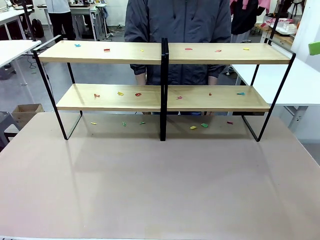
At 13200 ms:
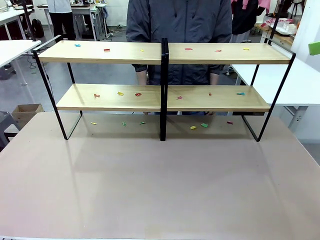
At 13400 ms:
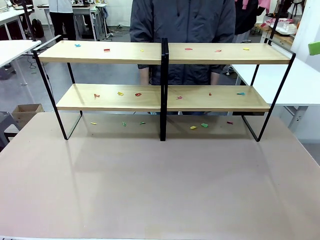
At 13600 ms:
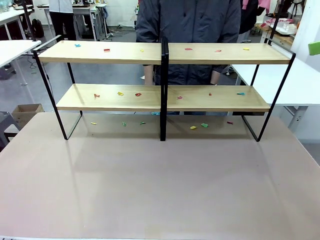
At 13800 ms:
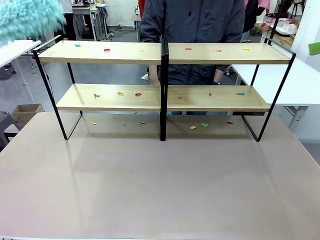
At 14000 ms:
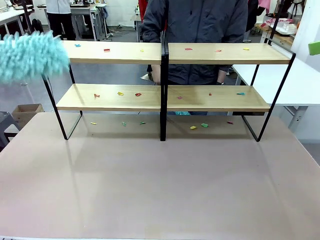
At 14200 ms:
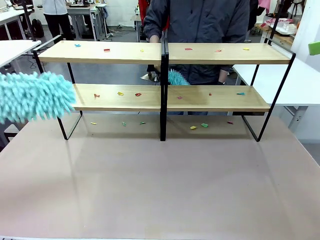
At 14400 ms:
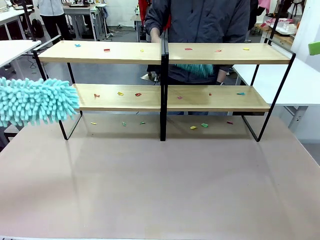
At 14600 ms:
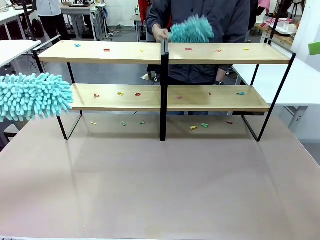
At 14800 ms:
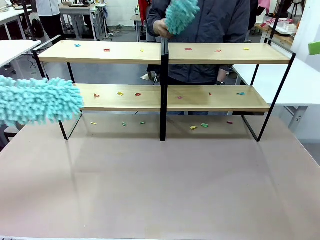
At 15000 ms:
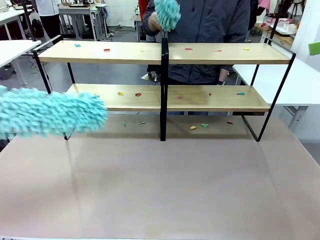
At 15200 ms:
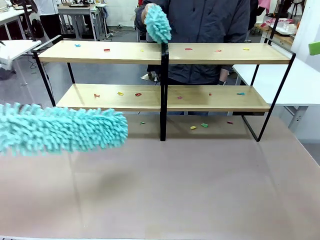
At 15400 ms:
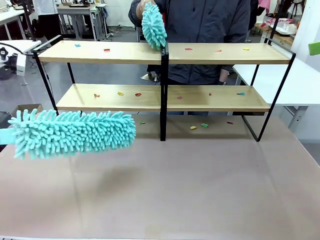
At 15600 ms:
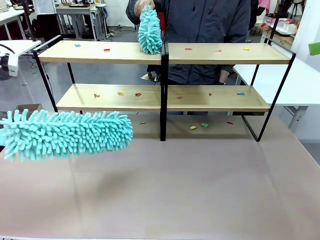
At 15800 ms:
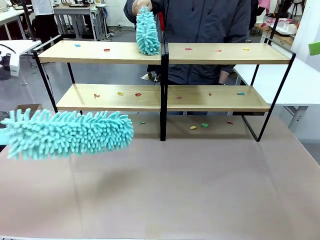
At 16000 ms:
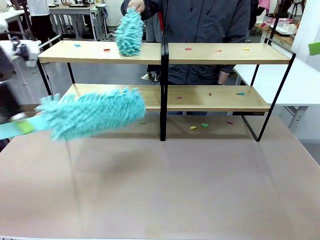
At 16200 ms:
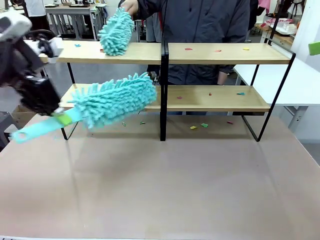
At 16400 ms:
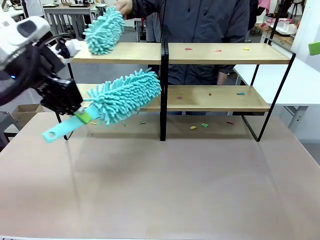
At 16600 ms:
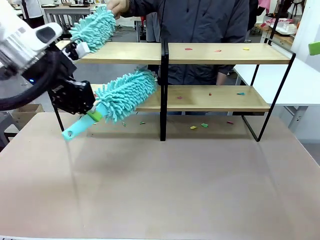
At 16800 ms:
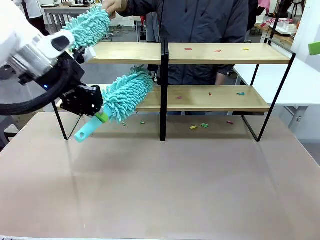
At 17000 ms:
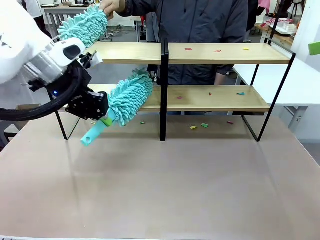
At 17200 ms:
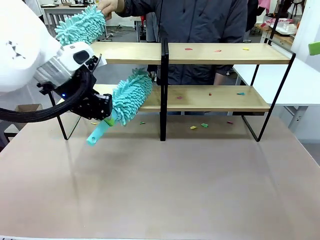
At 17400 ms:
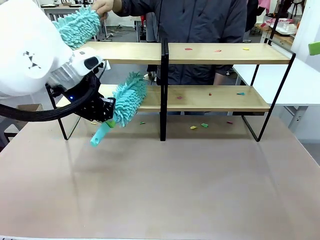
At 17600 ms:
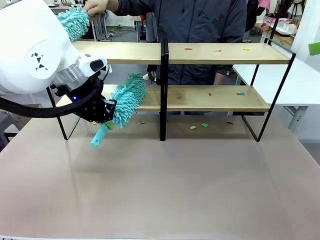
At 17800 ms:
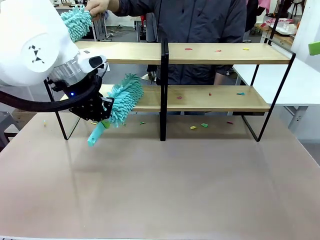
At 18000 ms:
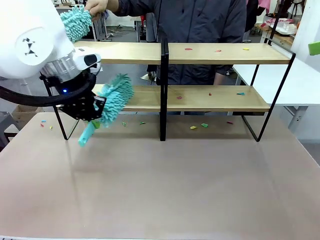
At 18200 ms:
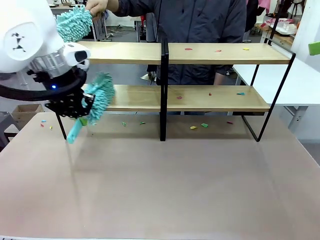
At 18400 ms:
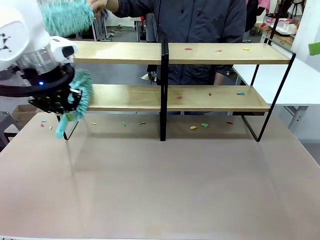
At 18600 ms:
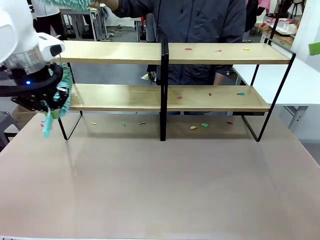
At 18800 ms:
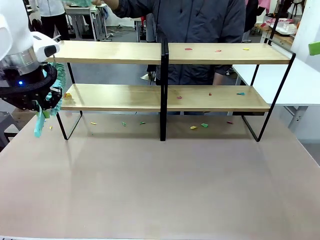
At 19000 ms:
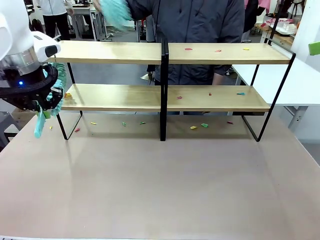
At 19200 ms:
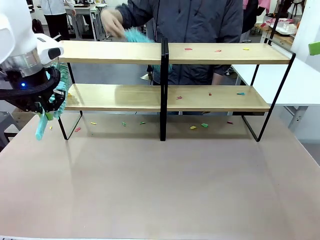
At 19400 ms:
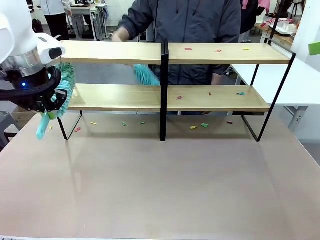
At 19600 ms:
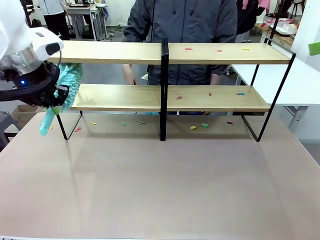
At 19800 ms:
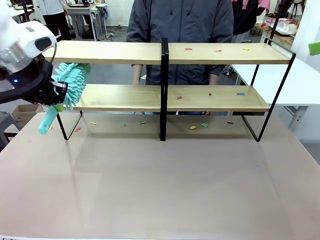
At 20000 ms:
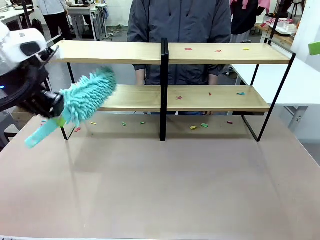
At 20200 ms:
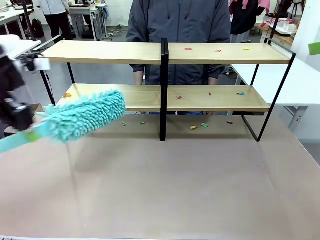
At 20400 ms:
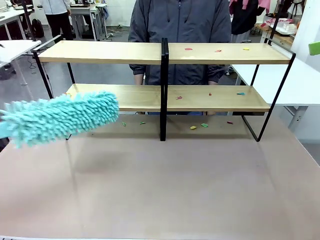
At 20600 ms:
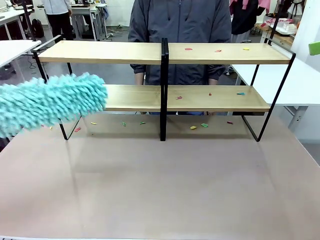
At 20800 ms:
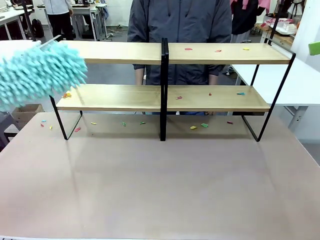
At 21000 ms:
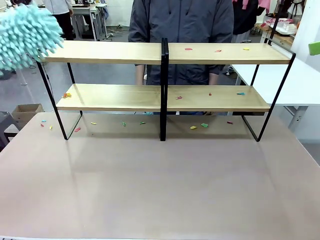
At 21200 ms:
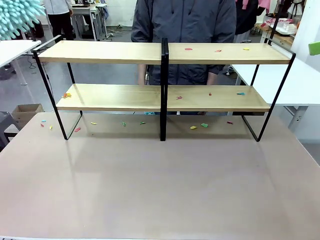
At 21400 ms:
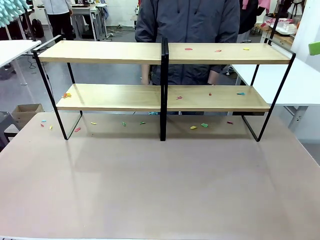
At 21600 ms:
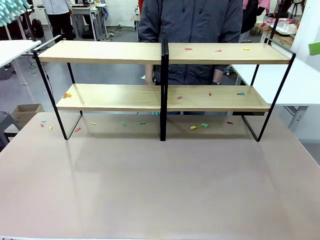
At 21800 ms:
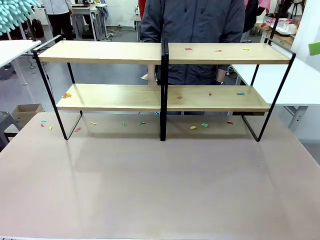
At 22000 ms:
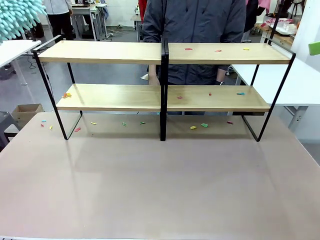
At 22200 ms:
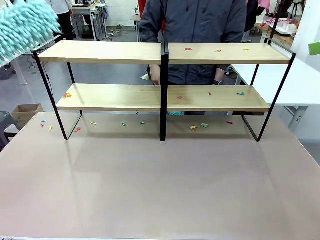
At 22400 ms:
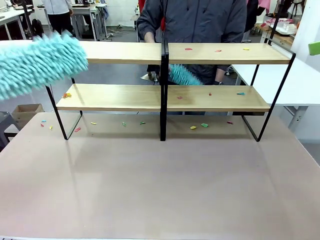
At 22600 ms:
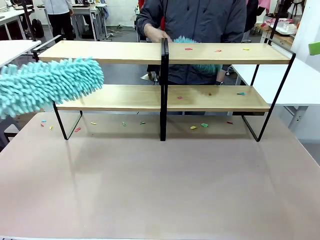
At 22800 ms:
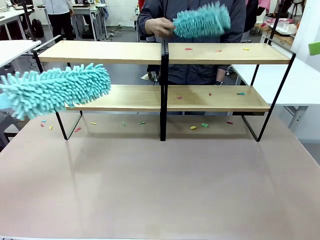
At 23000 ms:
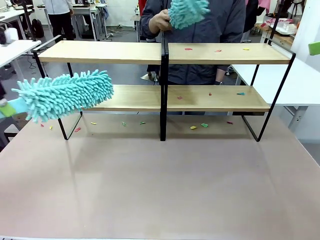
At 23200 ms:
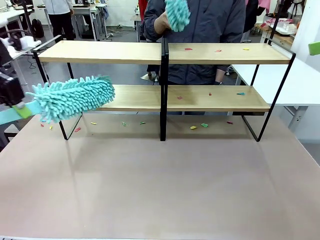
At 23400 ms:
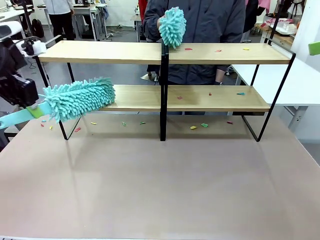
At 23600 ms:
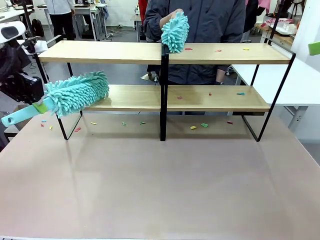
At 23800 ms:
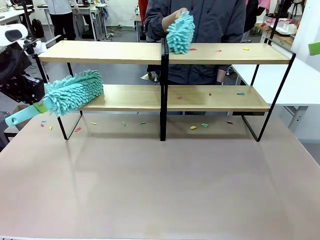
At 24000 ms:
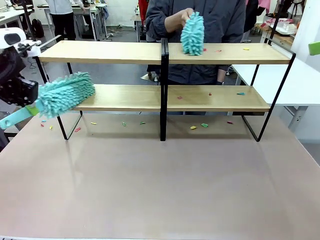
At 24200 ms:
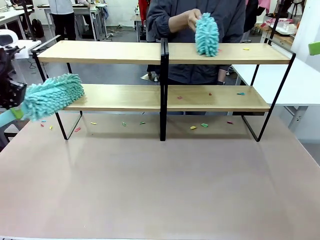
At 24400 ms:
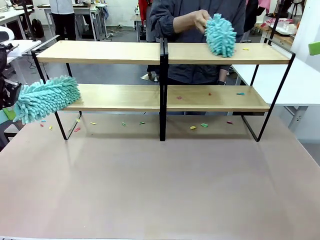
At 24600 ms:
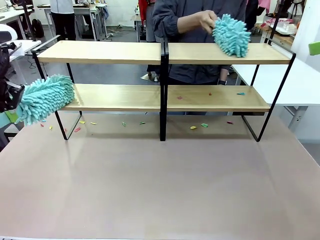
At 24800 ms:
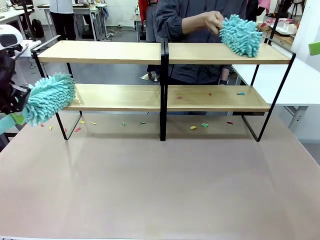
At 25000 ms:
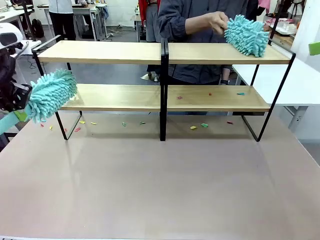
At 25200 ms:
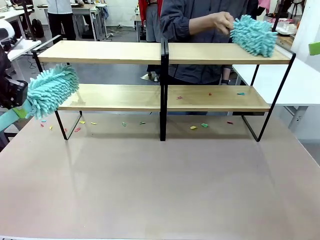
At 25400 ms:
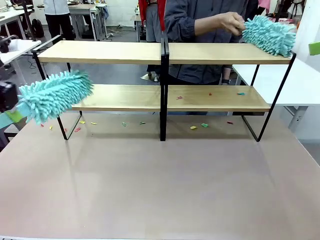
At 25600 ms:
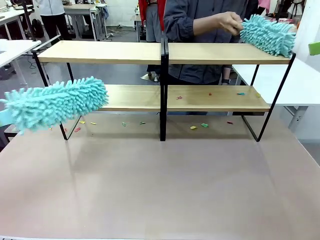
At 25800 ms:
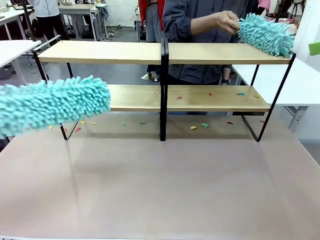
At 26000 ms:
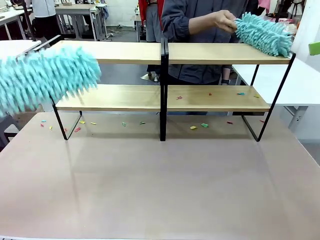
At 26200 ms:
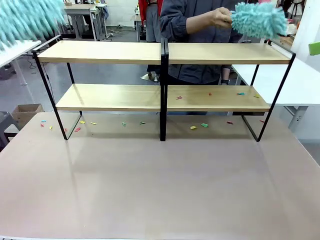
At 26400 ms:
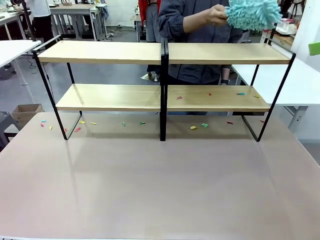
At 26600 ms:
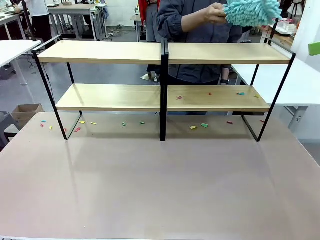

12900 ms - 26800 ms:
Task: Clean the shelves.
Robot: Clean a randomly selected level of the Shelf with the Duster.

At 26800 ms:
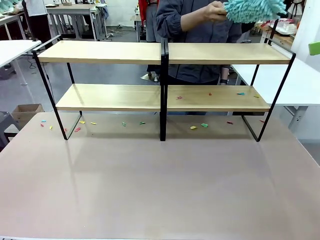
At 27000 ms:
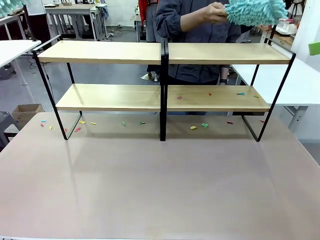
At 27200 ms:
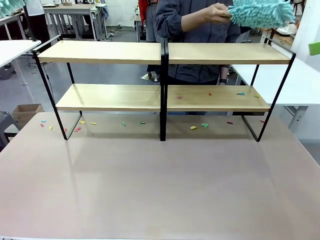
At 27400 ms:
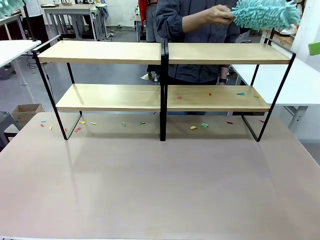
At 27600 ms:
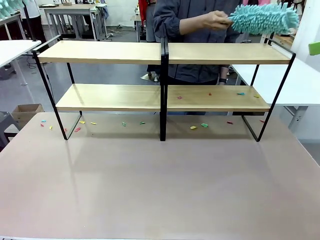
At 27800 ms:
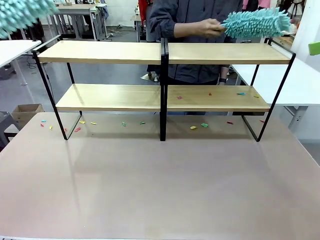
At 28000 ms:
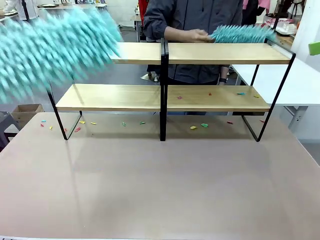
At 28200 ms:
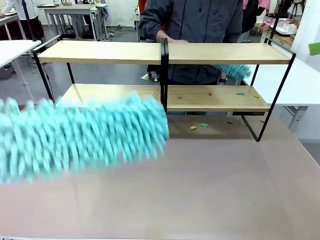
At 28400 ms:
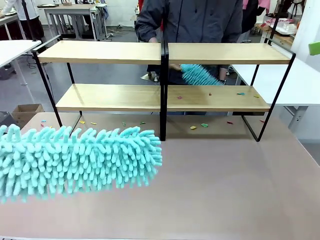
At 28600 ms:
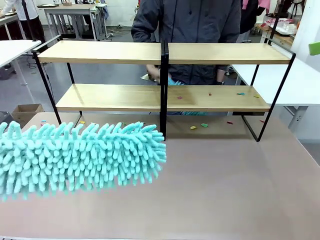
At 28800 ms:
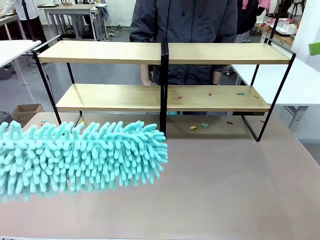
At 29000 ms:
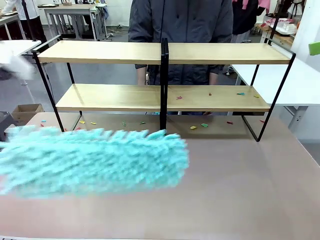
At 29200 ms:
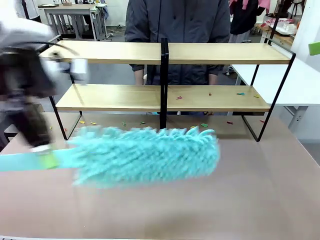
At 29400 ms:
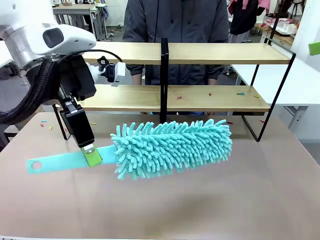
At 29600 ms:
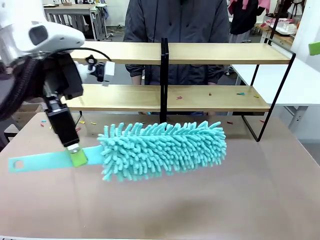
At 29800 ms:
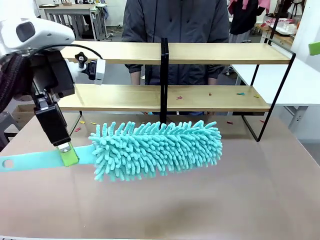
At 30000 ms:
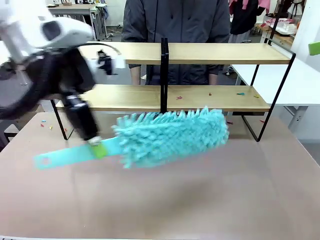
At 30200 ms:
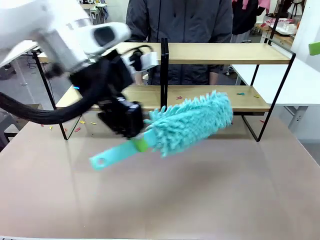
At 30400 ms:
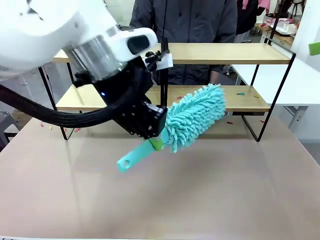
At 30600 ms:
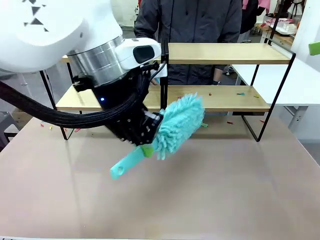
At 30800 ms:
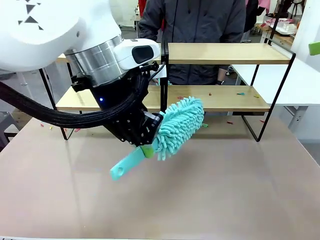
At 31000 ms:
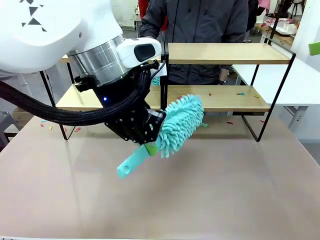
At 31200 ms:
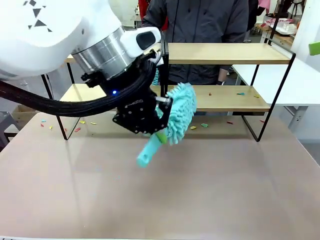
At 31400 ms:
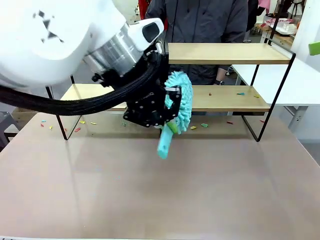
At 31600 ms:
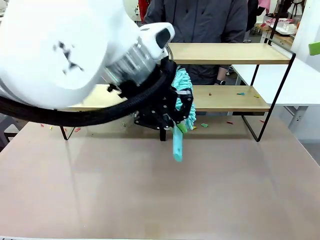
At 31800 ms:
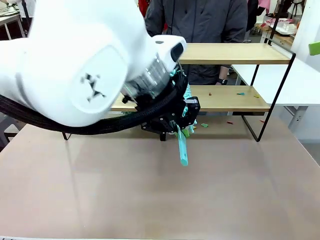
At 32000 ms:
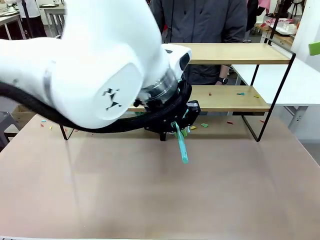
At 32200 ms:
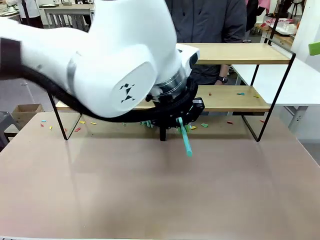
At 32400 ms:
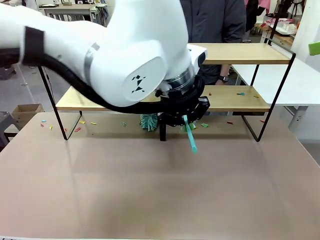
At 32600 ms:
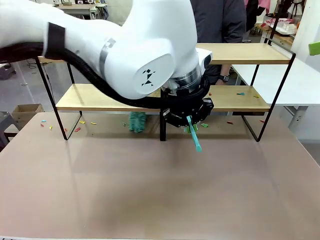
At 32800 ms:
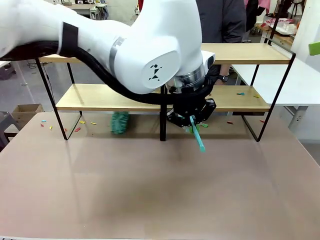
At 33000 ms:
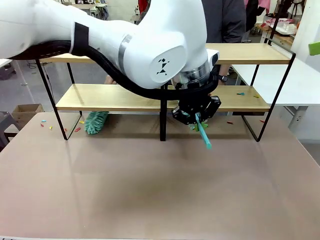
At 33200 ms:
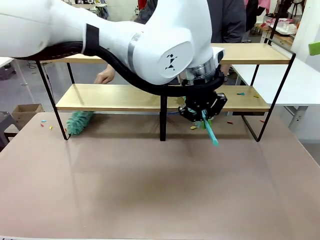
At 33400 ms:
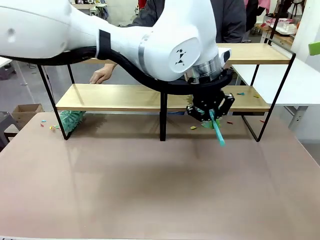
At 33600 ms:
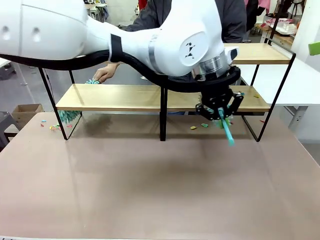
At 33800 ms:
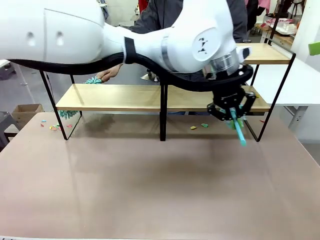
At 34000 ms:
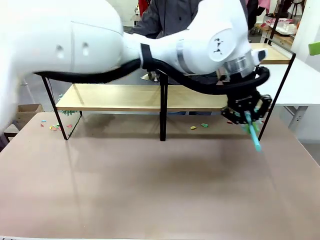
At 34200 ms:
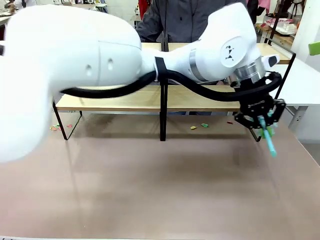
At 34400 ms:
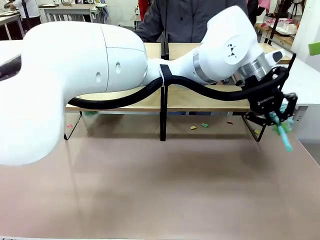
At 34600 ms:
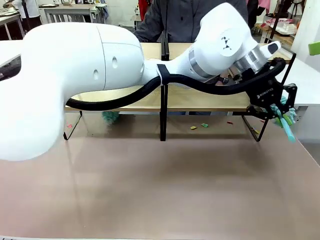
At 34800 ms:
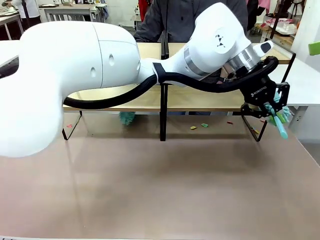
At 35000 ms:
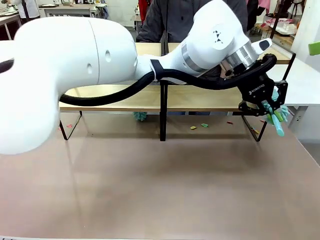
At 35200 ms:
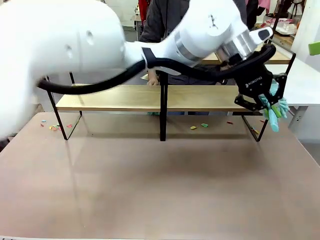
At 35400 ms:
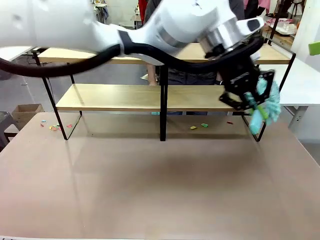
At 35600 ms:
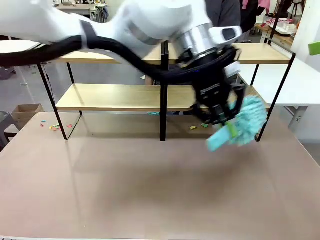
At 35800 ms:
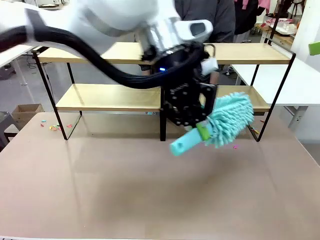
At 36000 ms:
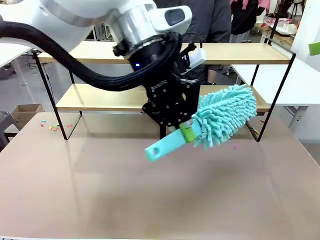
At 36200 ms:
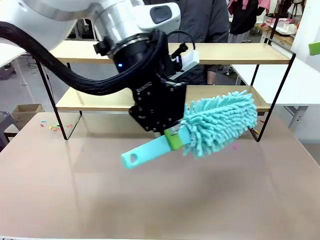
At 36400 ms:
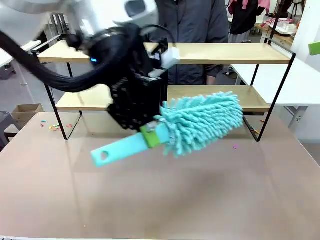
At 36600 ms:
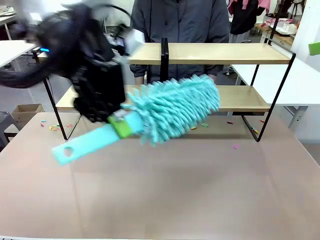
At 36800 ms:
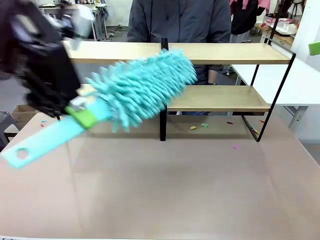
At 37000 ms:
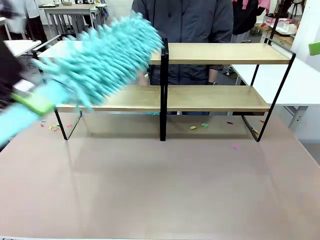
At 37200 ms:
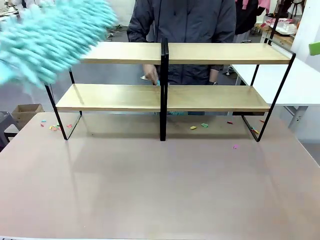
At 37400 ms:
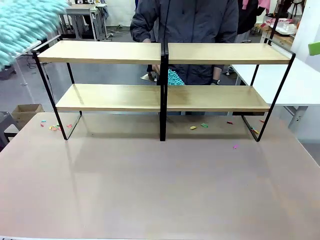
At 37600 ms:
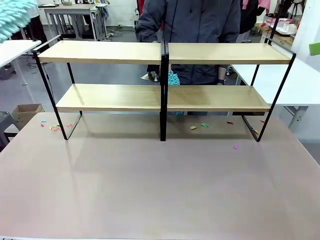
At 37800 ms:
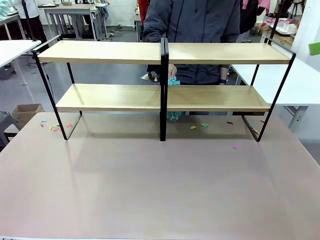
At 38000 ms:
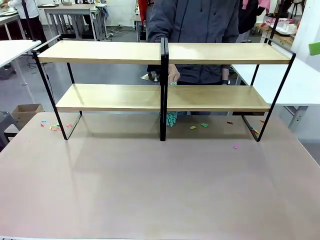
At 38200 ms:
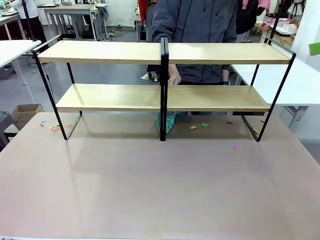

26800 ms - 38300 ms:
Robot: Clean another randomly selected level of the Shelf with the Duster.
